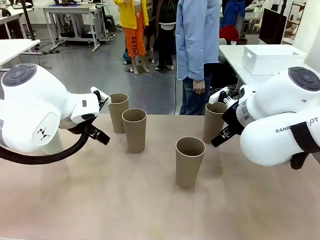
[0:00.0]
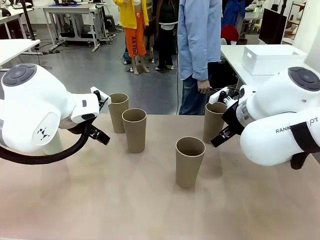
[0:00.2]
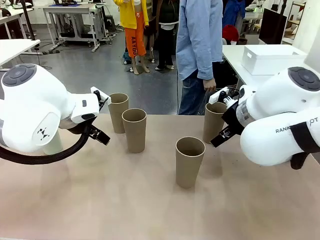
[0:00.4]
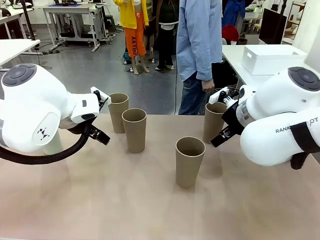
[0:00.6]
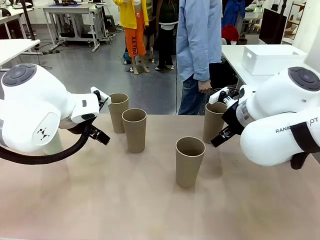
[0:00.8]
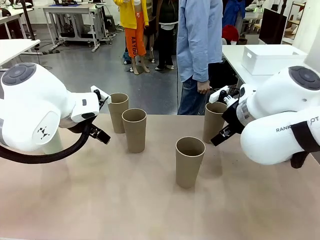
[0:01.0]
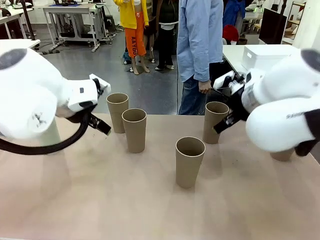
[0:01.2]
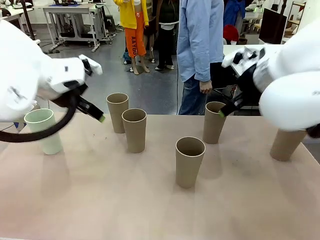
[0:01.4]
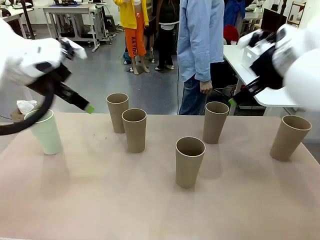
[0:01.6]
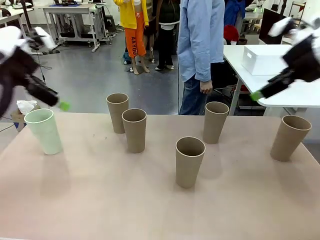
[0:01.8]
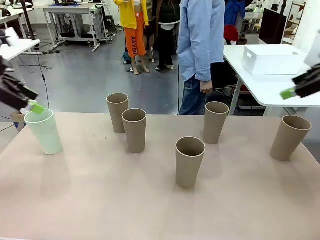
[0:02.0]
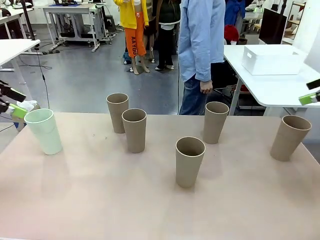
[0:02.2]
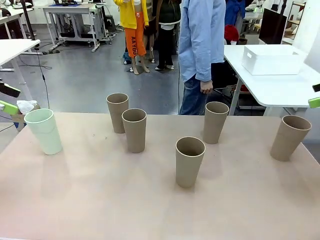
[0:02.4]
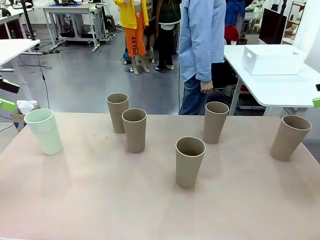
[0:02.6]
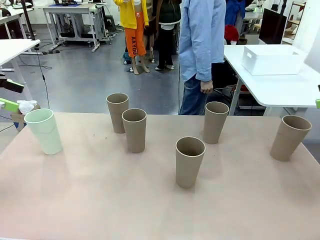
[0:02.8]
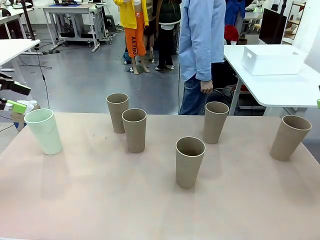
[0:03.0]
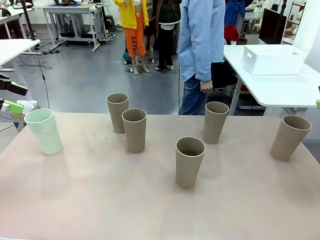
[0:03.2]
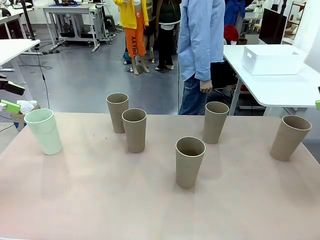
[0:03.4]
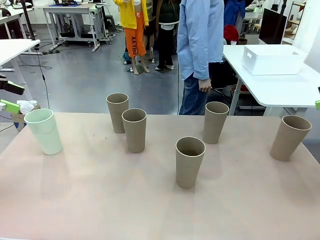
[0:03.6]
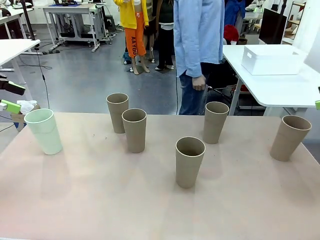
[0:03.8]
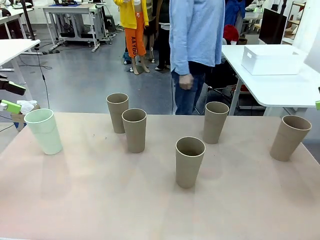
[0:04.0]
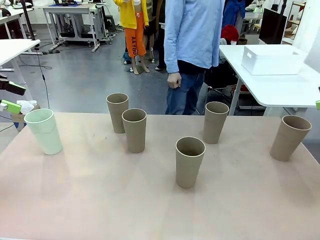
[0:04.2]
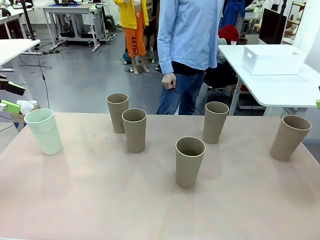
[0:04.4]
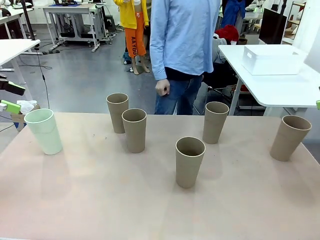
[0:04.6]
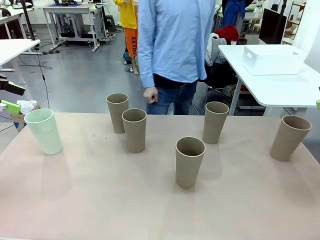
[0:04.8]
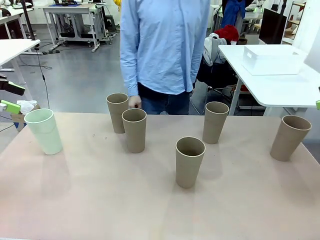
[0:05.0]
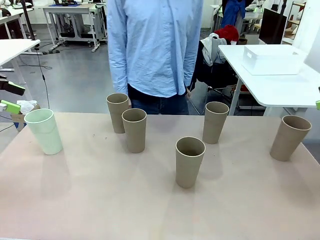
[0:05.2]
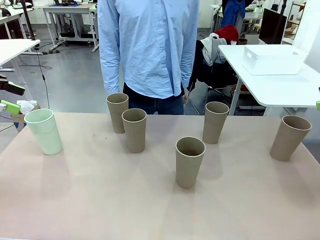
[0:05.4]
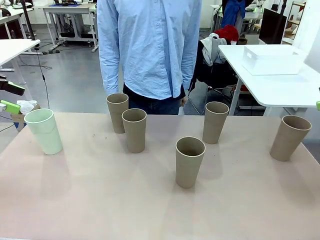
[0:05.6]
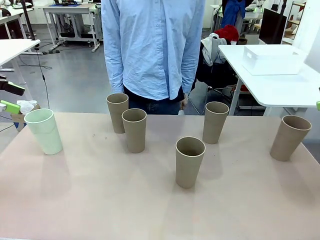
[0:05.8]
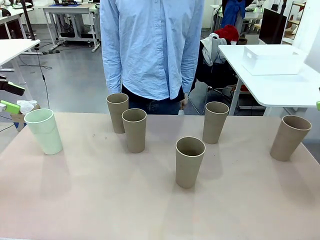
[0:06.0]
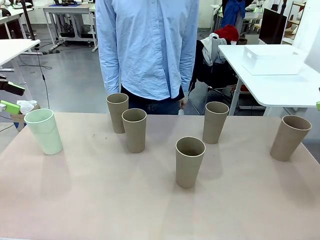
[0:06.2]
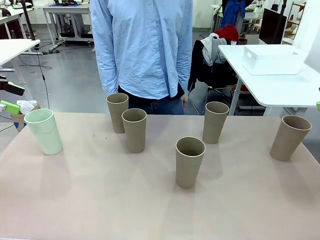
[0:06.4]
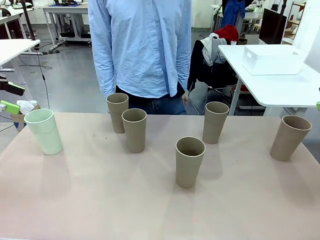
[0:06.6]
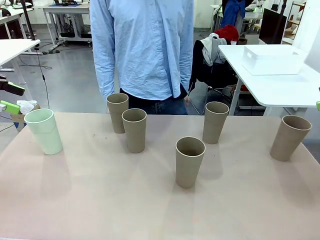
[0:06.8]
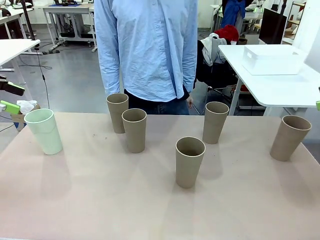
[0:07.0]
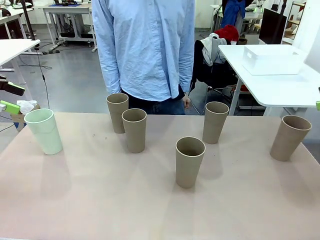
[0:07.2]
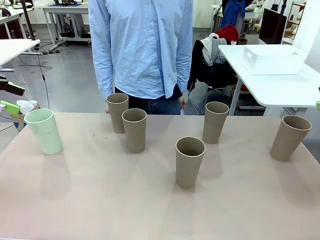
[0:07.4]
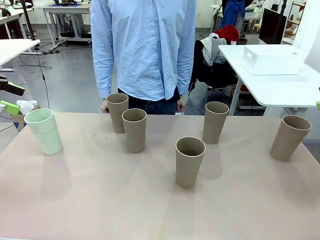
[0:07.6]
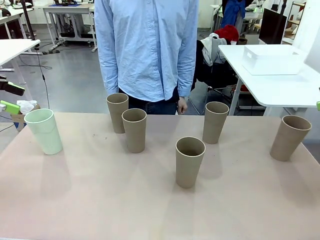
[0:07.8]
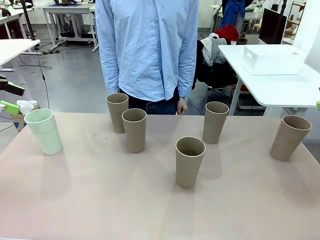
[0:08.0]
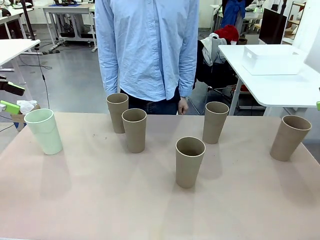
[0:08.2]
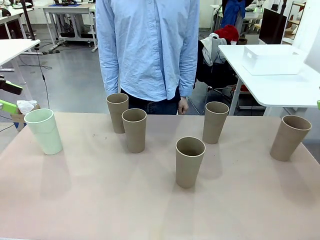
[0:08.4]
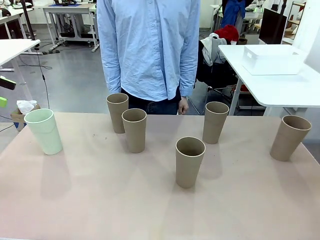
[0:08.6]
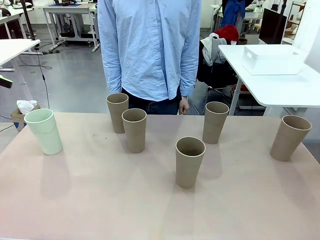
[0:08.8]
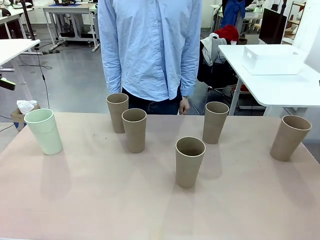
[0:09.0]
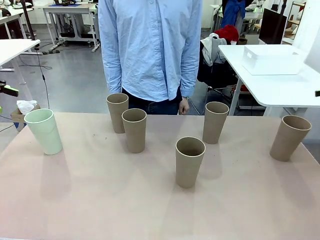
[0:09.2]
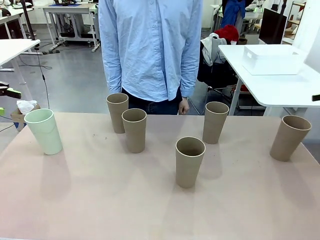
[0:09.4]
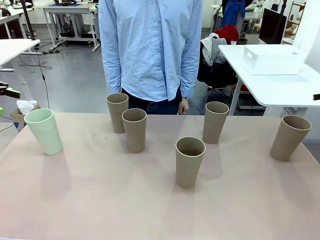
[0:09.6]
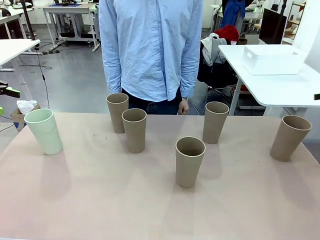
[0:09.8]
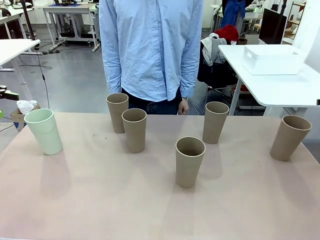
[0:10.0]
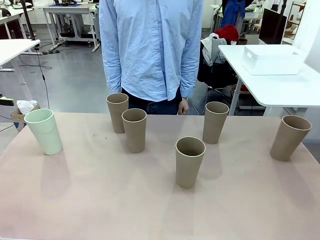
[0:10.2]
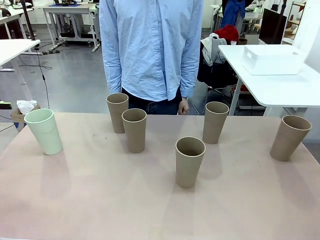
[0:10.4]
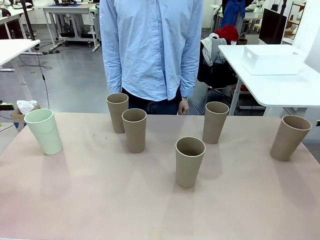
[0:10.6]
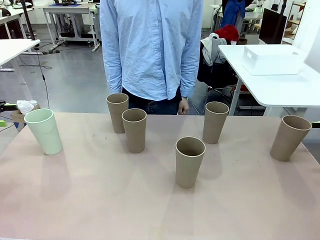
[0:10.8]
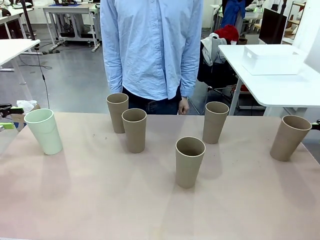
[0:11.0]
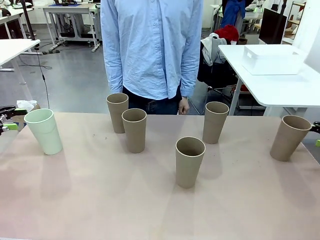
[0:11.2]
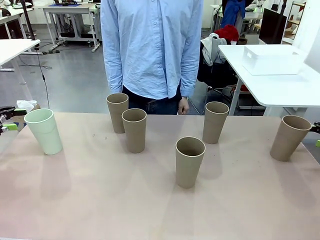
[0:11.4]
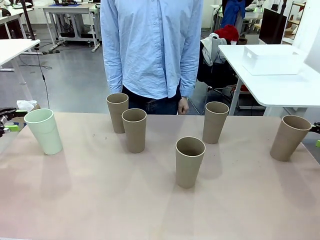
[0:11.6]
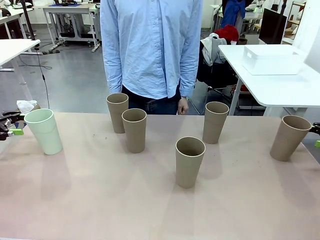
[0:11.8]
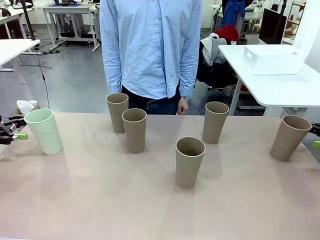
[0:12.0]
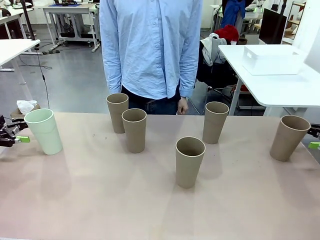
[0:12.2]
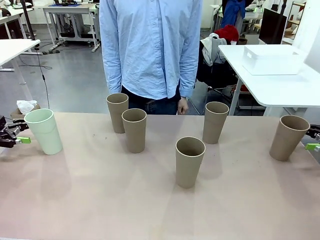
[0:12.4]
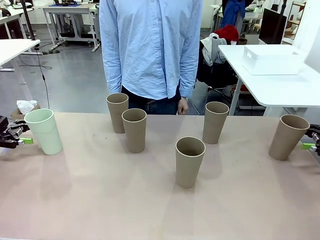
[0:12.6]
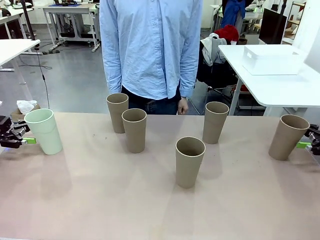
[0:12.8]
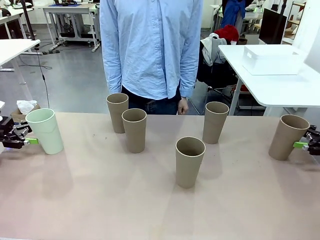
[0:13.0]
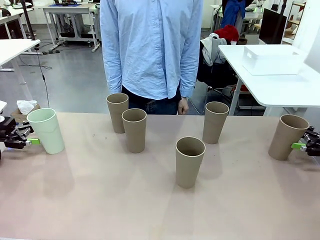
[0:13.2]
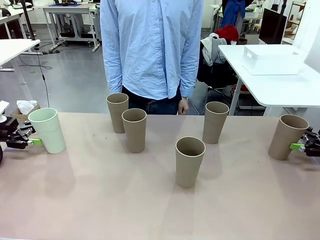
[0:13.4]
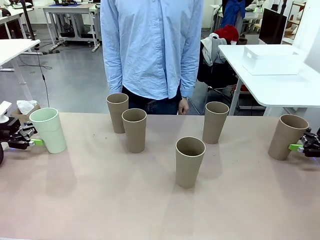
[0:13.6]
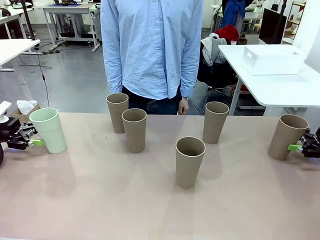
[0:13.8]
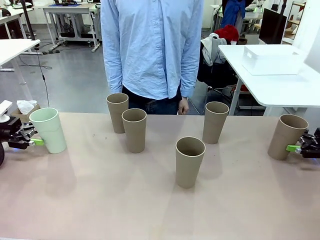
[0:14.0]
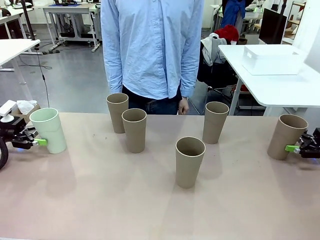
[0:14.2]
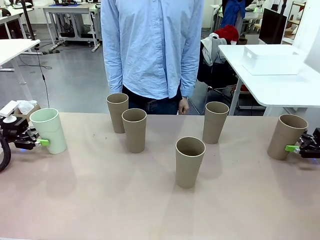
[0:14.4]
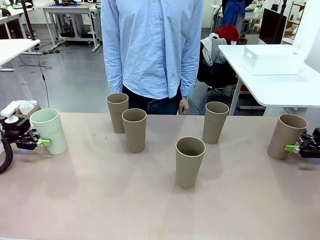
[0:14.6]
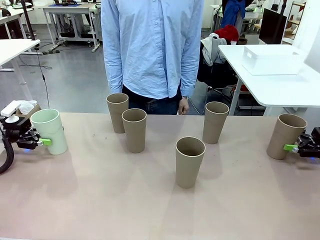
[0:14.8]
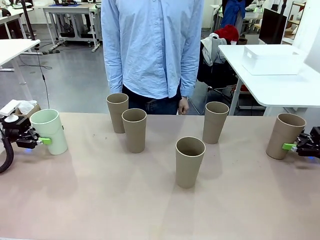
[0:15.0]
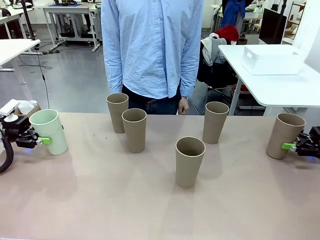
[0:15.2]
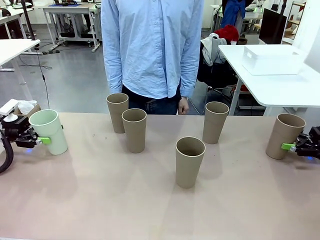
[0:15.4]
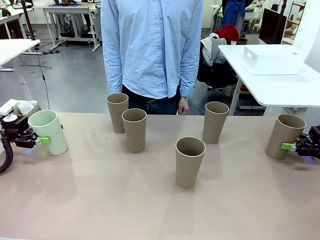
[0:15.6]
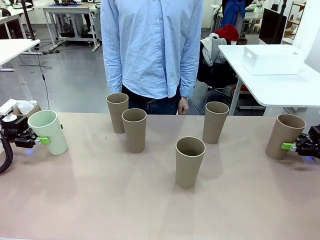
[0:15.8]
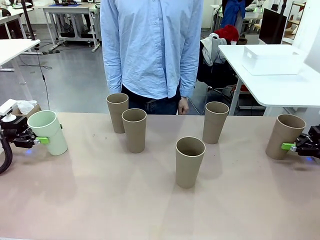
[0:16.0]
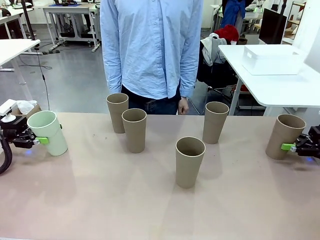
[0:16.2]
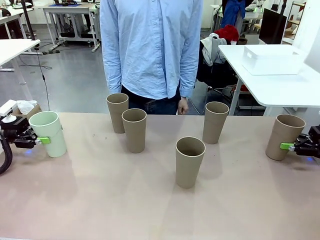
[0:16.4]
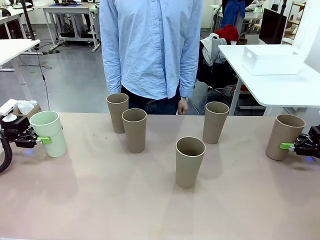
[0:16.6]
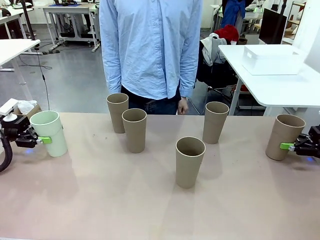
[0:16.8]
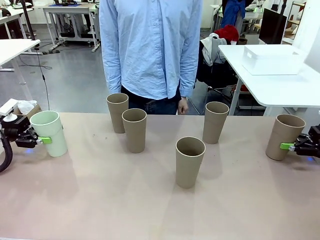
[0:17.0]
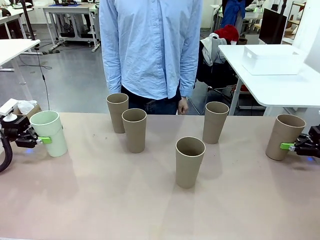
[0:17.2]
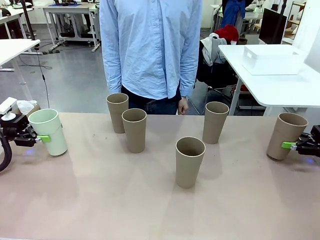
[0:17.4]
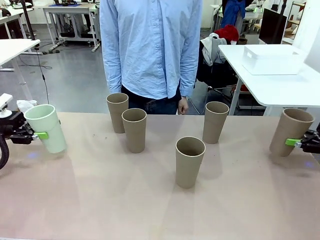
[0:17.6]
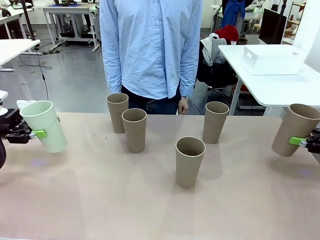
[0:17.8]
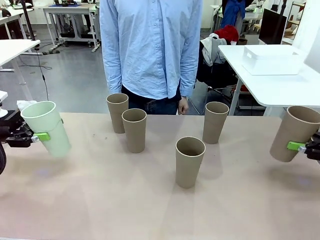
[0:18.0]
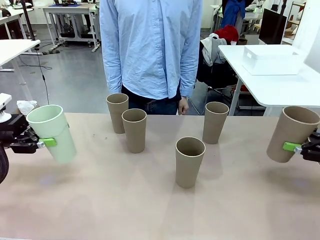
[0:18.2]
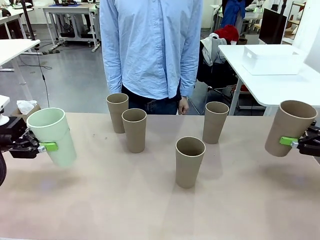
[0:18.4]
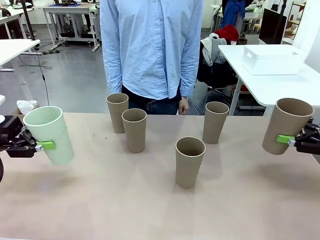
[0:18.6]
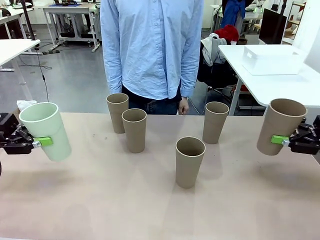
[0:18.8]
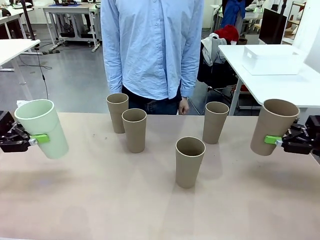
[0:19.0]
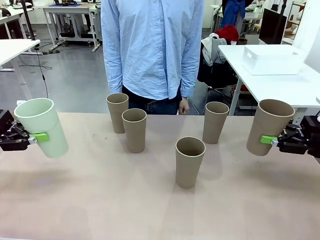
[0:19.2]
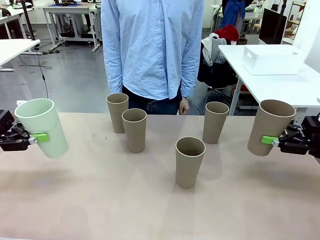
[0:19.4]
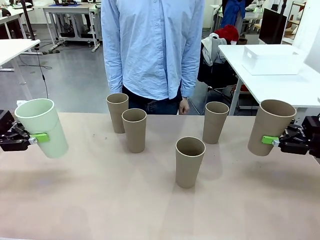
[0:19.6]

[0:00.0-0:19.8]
Task: Stack the cups and store them in the basket.
Robot: Pick up two Reusable plastic cups , one in each hand.
Person: Move from the Human Table to the front of the Robot Table. Stack two of the remaining cups on top of each cup held by the robot.
